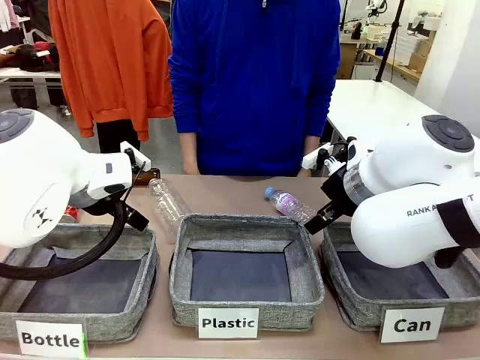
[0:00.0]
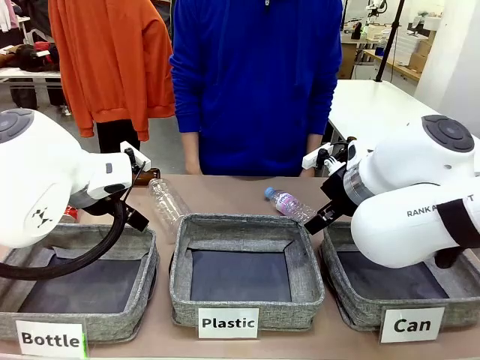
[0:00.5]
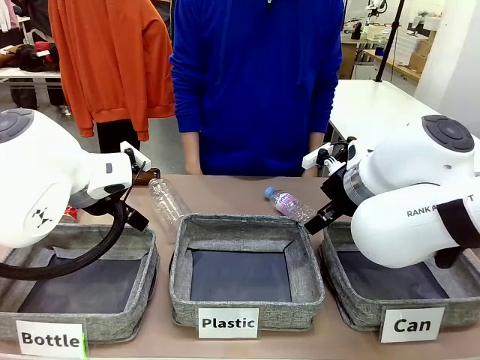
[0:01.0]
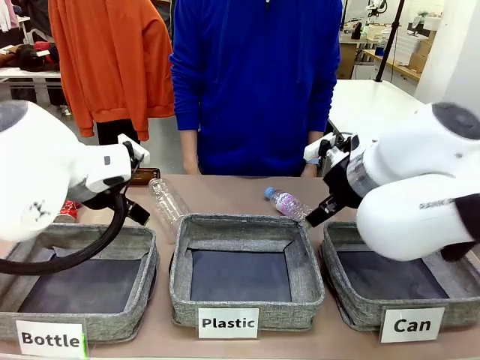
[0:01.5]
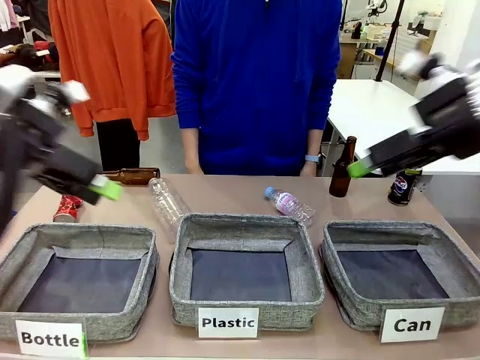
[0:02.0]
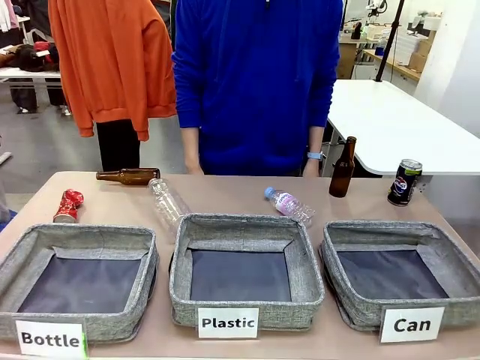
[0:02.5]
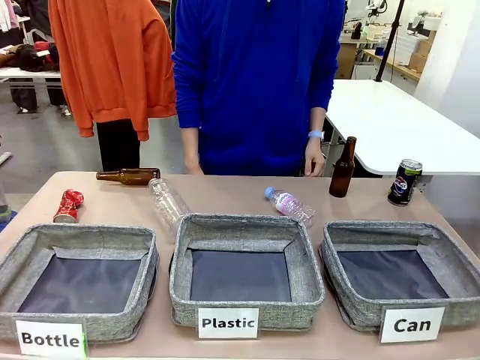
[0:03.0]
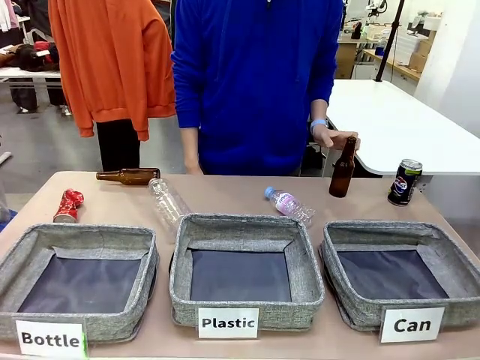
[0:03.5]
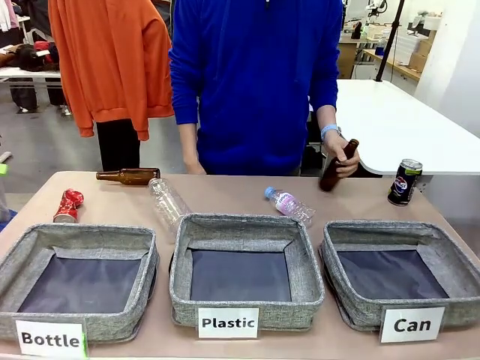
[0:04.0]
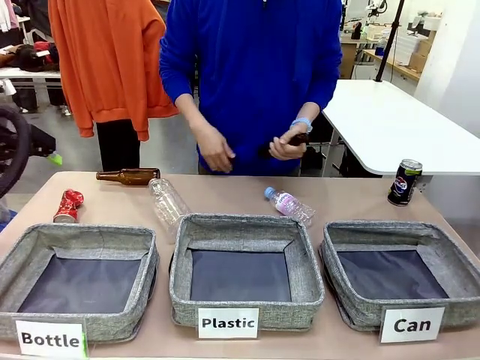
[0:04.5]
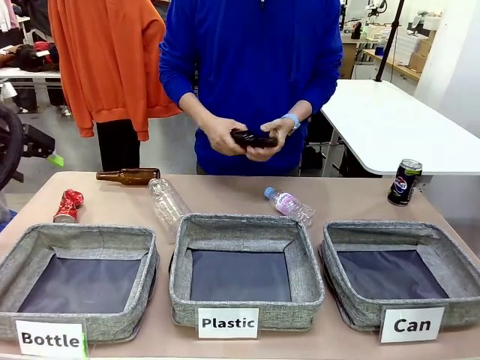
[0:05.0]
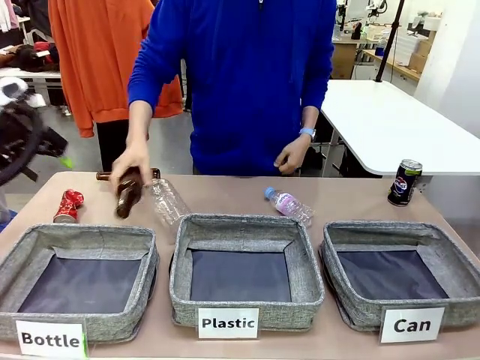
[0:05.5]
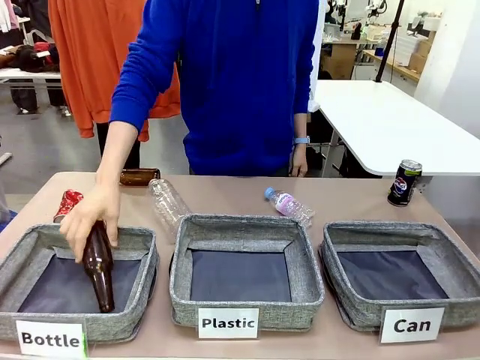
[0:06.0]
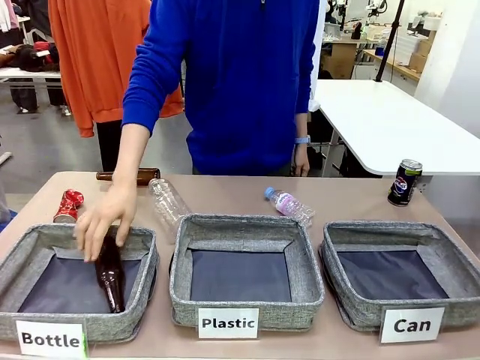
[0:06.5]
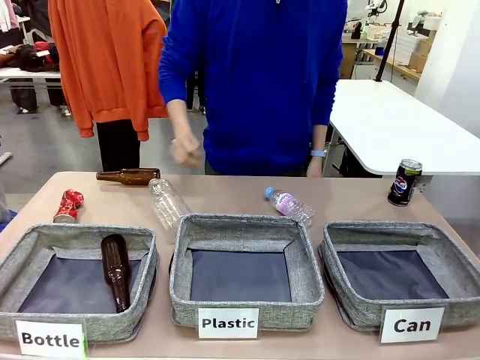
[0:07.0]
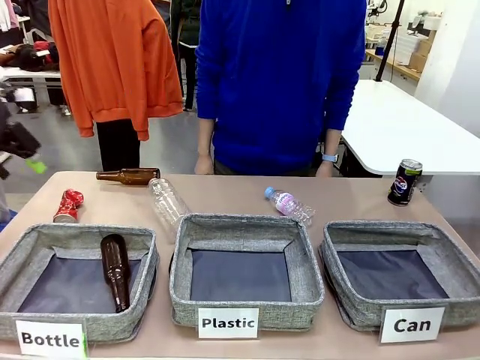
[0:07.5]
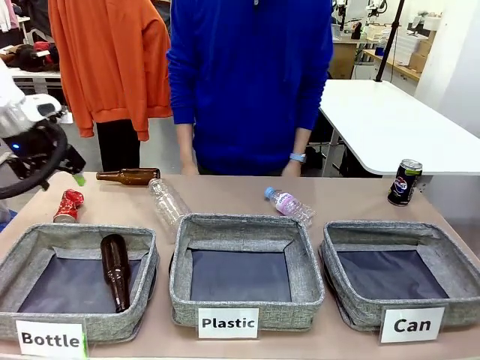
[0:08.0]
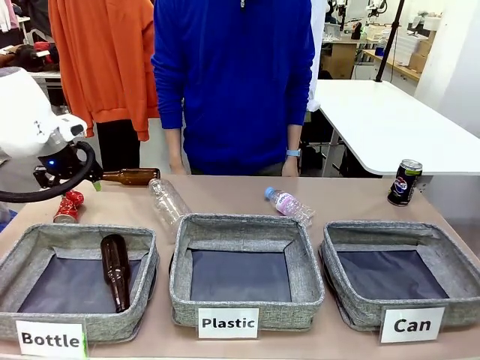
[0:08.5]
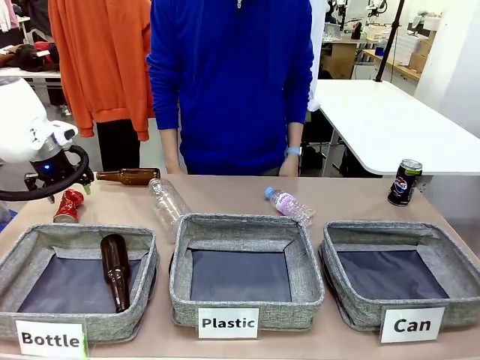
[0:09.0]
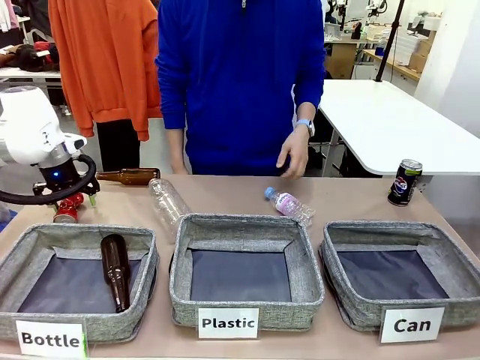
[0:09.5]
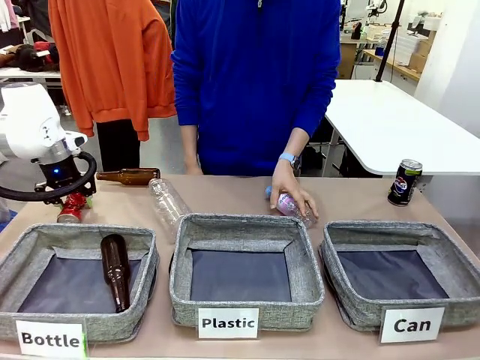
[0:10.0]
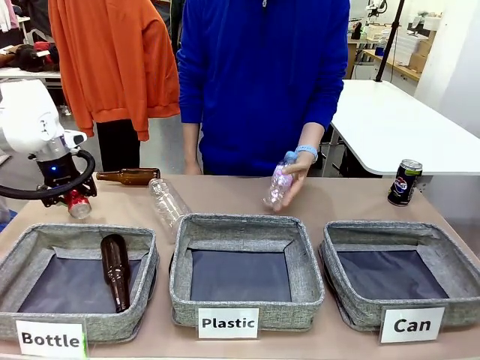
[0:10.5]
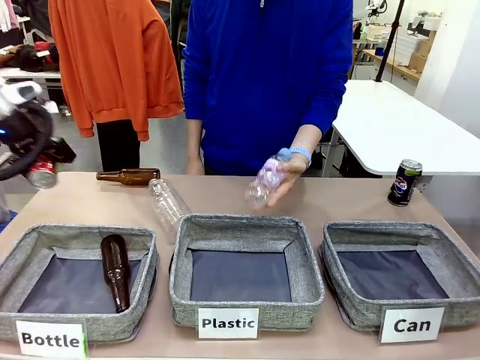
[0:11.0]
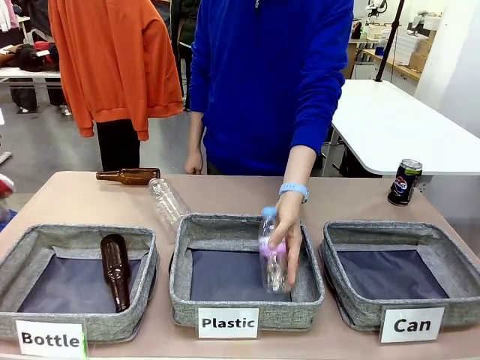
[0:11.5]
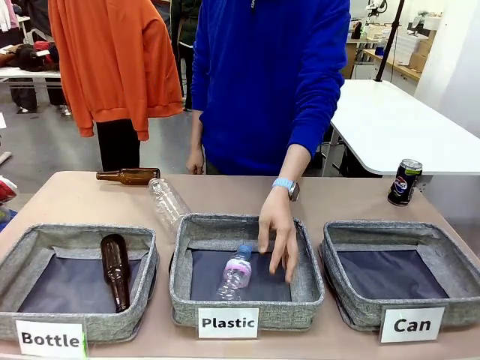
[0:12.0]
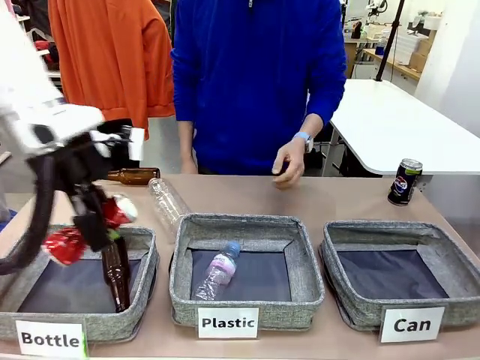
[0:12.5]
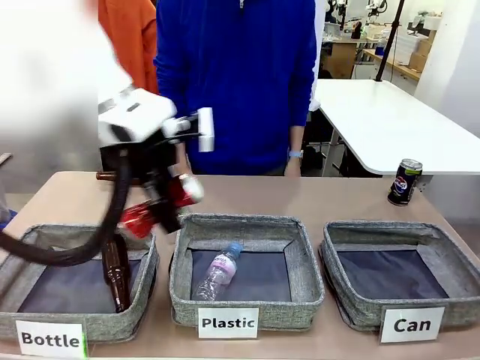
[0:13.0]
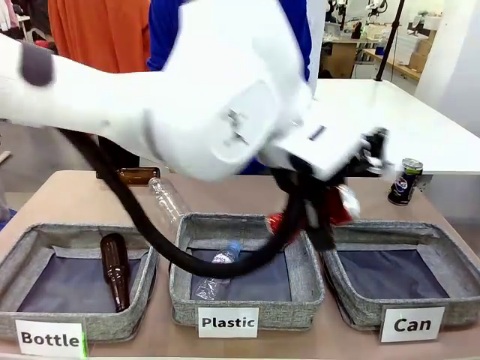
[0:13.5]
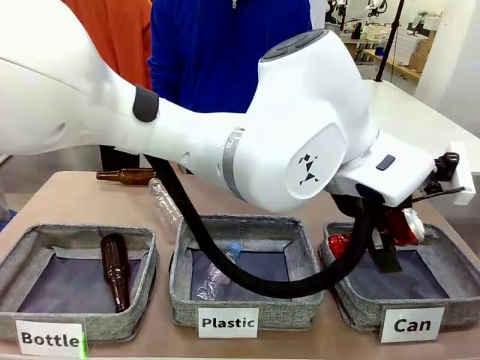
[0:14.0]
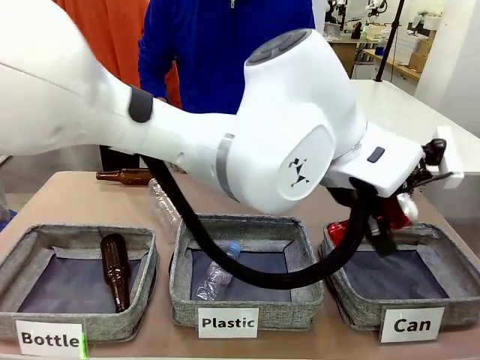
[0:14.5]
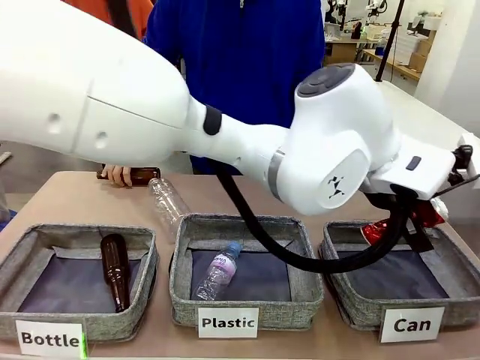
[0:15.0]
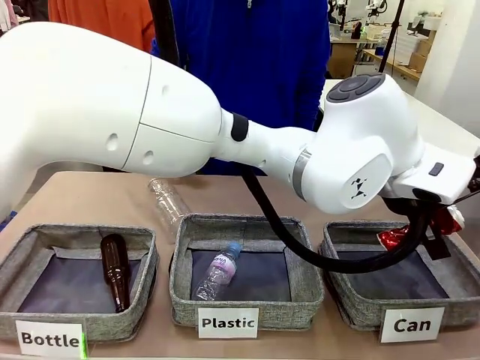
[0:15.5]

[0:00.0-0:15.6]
Task: Sort the can waste into the basket.
Robot: Pick up the can waste from the table and place it in the right Fabric basket.
